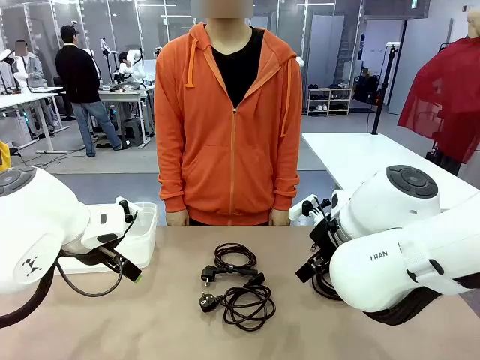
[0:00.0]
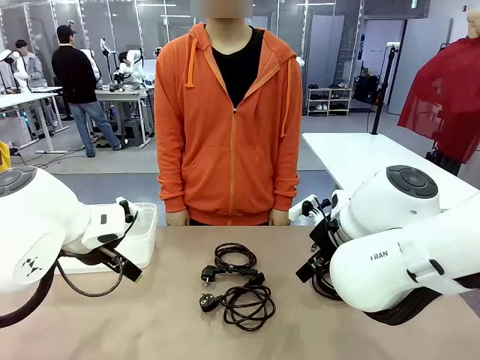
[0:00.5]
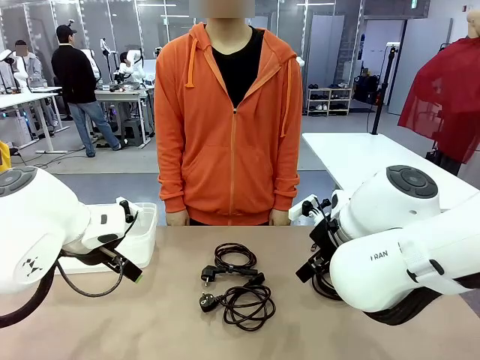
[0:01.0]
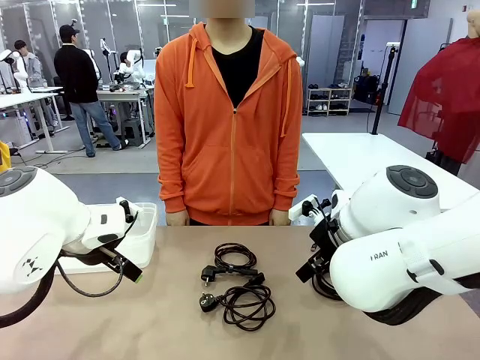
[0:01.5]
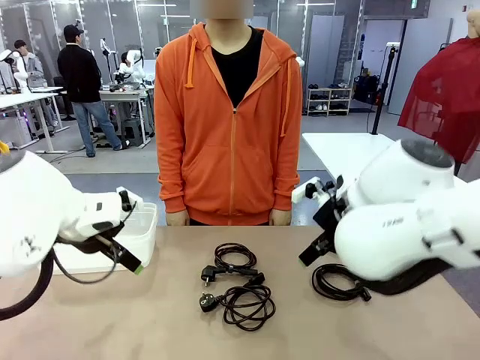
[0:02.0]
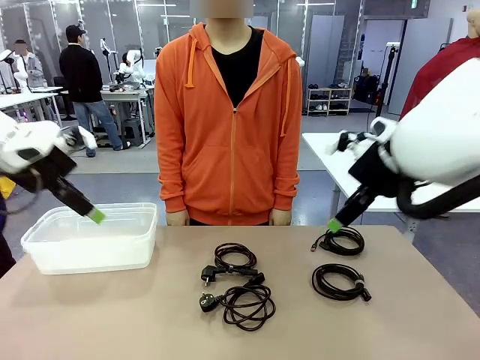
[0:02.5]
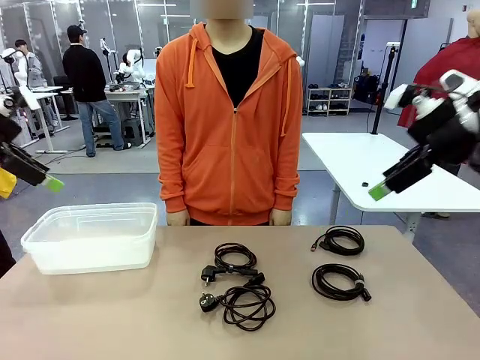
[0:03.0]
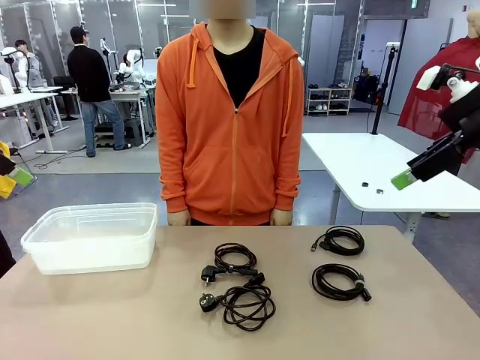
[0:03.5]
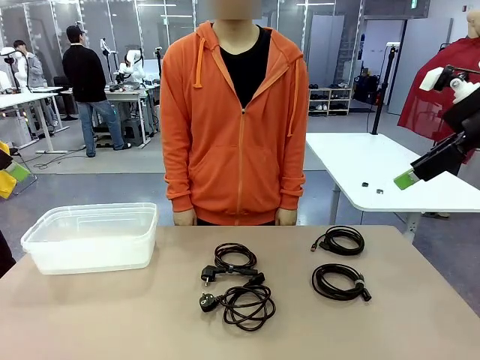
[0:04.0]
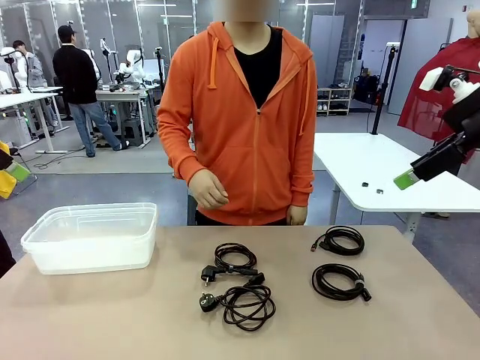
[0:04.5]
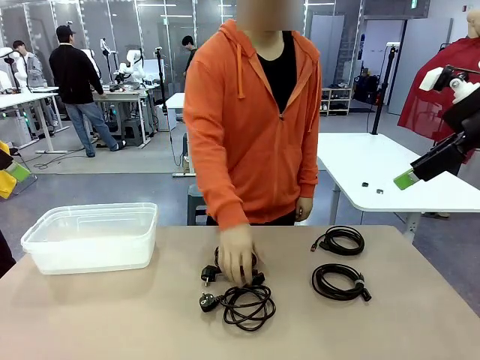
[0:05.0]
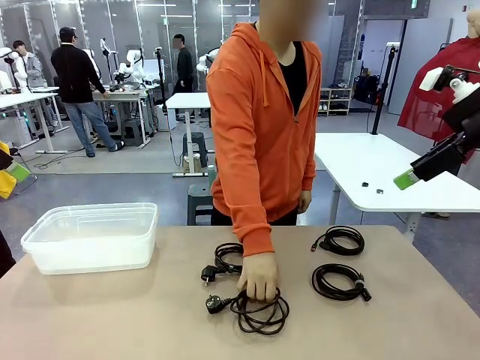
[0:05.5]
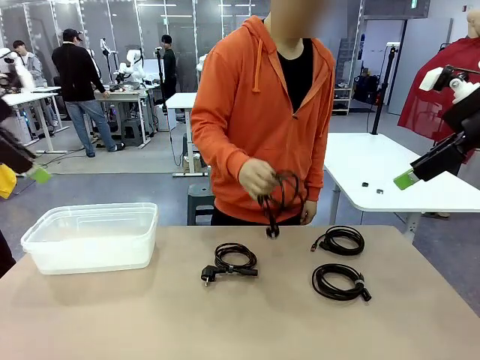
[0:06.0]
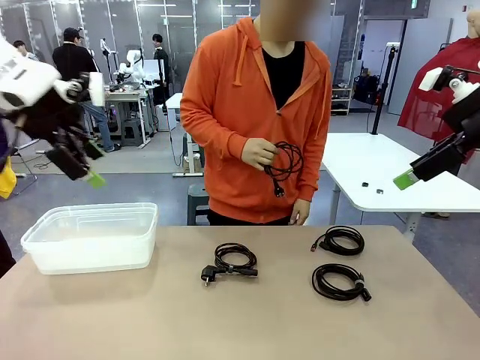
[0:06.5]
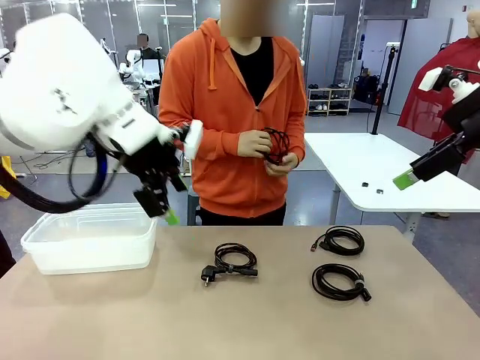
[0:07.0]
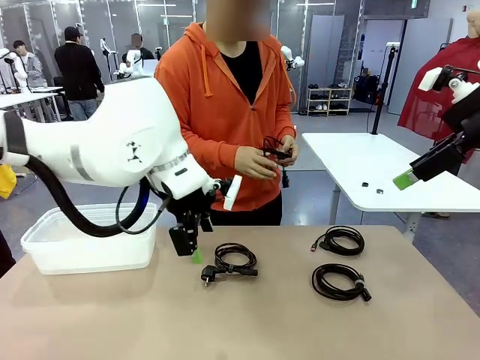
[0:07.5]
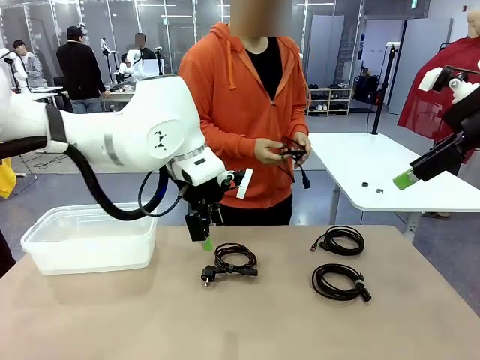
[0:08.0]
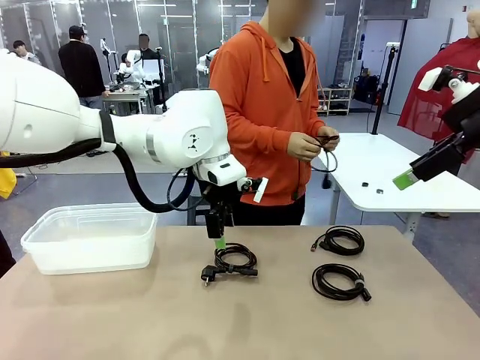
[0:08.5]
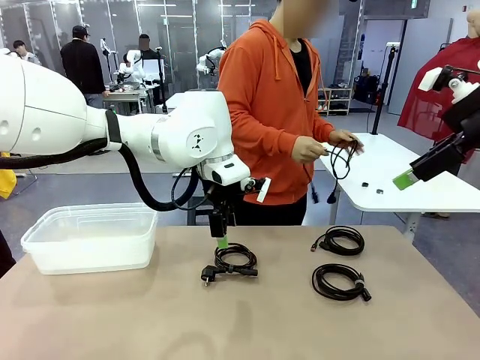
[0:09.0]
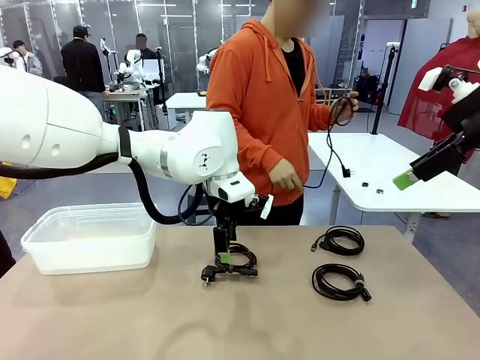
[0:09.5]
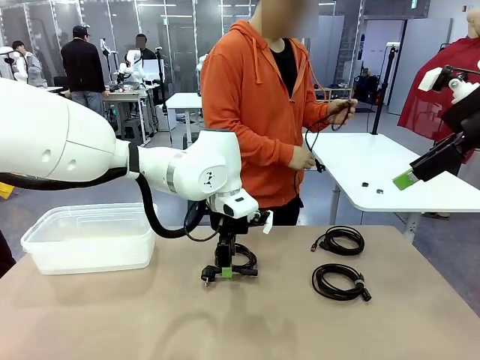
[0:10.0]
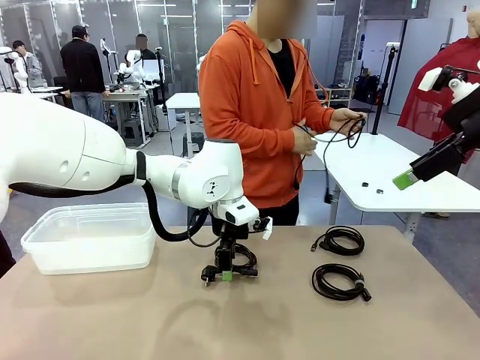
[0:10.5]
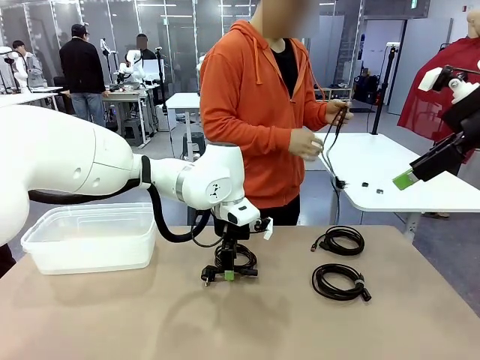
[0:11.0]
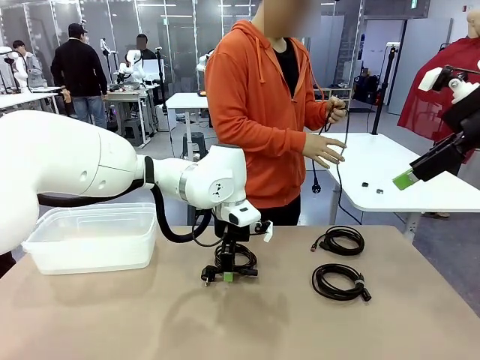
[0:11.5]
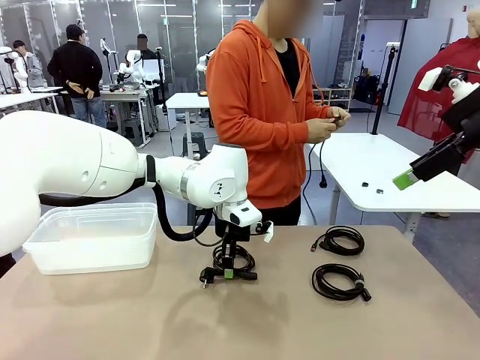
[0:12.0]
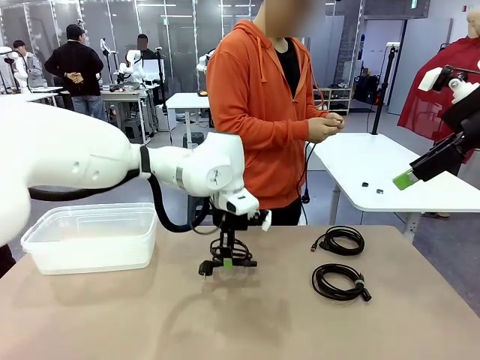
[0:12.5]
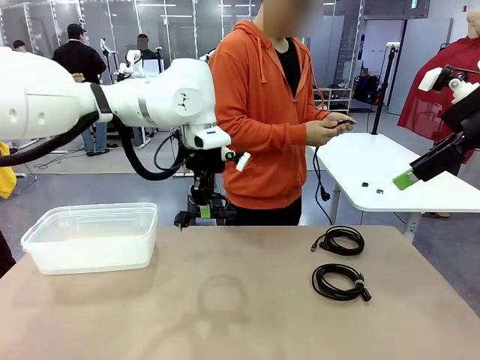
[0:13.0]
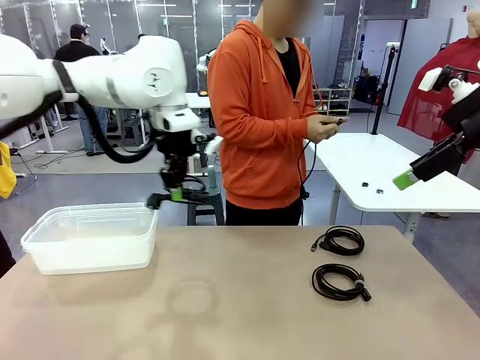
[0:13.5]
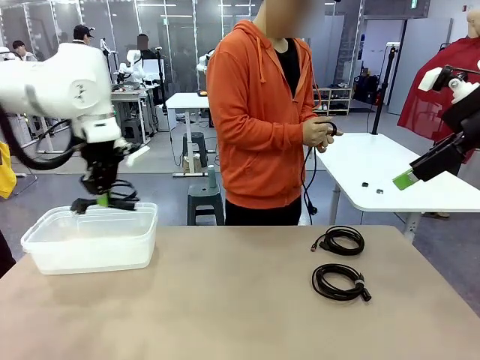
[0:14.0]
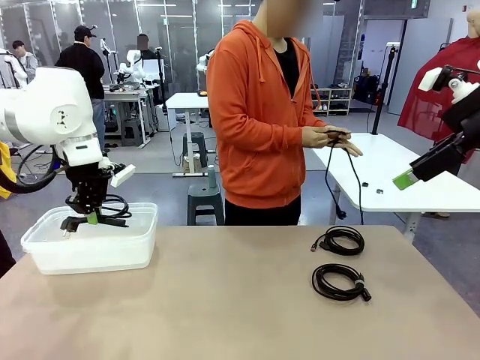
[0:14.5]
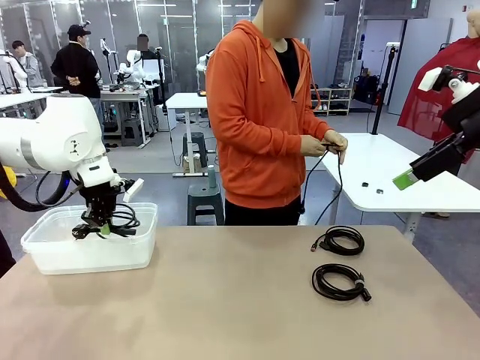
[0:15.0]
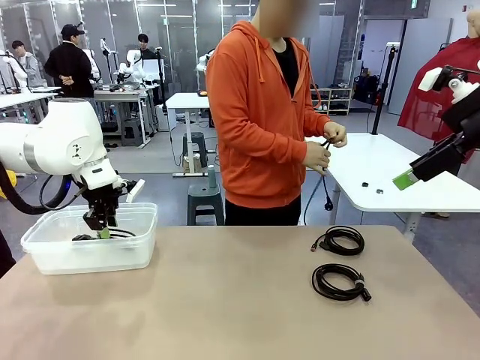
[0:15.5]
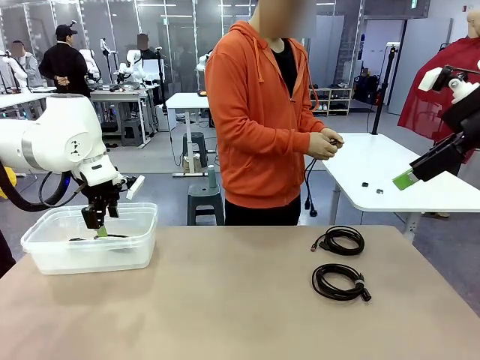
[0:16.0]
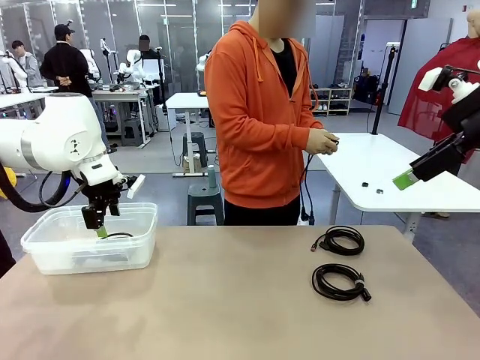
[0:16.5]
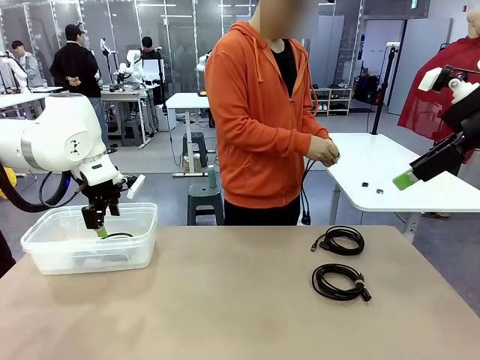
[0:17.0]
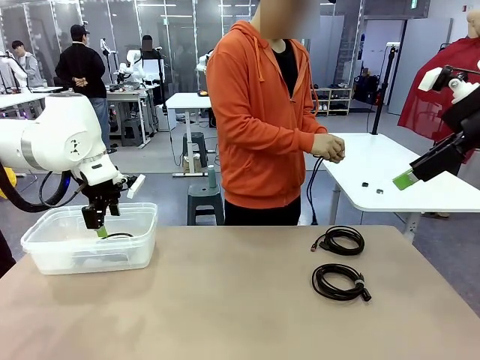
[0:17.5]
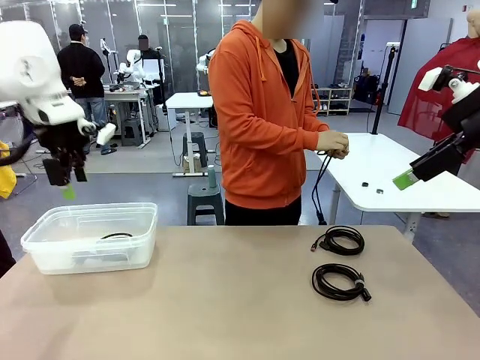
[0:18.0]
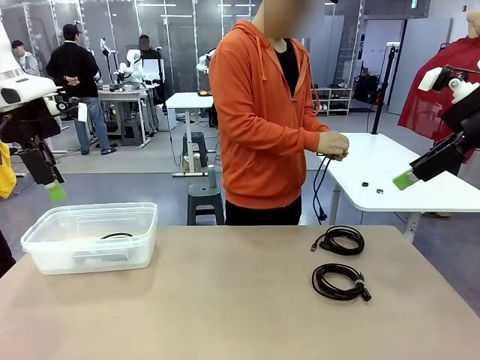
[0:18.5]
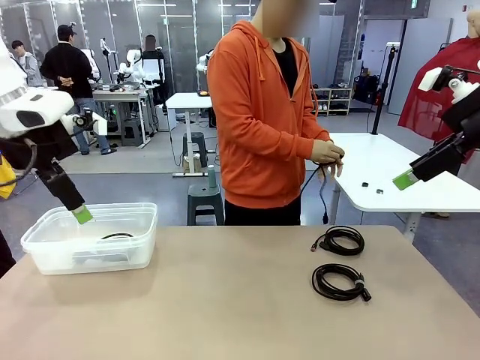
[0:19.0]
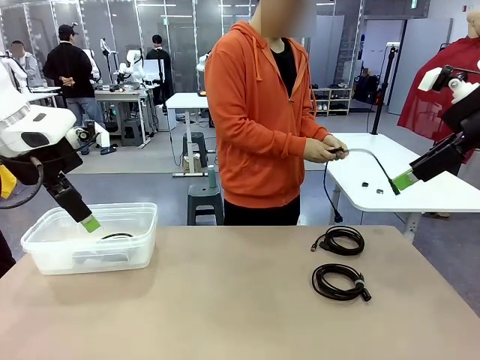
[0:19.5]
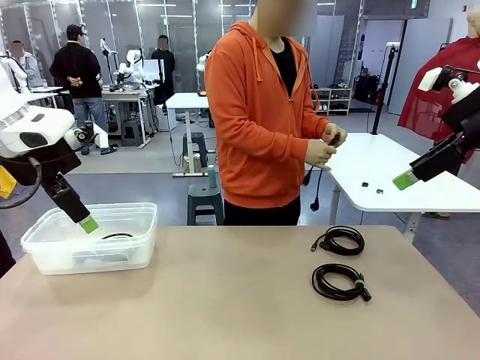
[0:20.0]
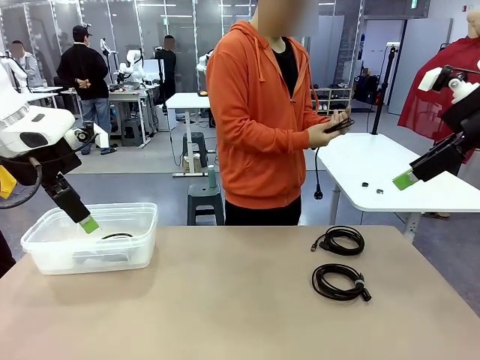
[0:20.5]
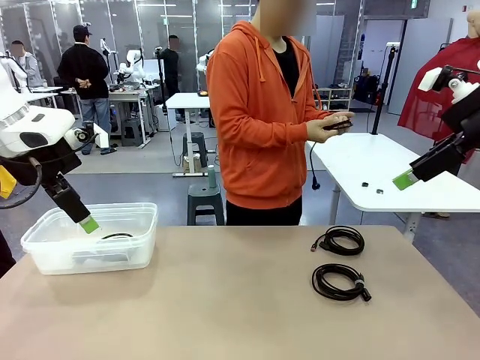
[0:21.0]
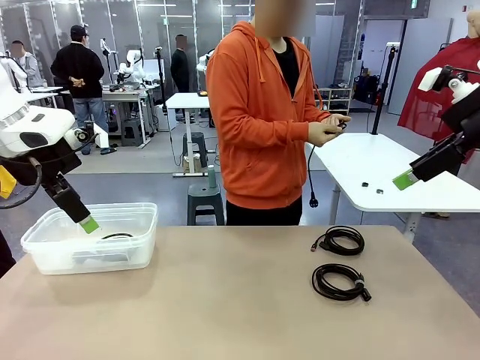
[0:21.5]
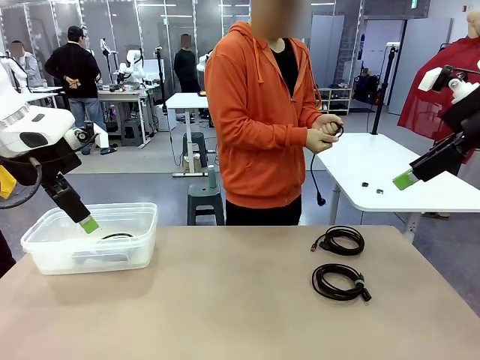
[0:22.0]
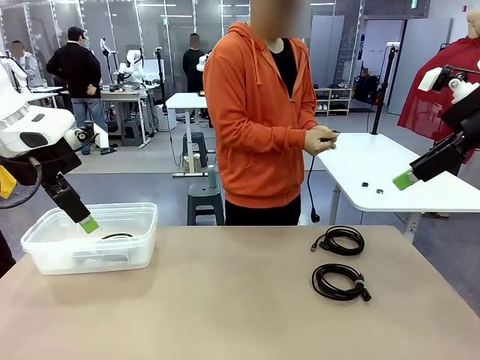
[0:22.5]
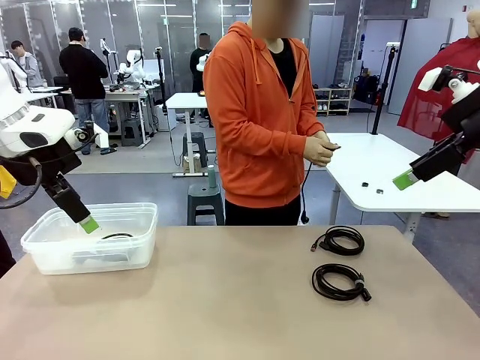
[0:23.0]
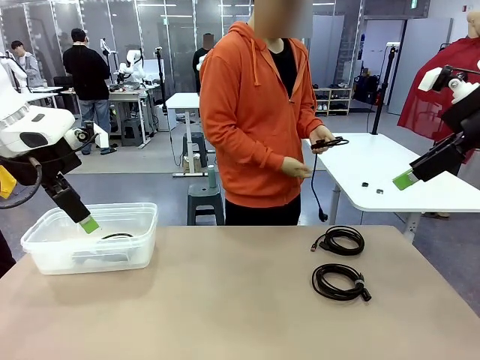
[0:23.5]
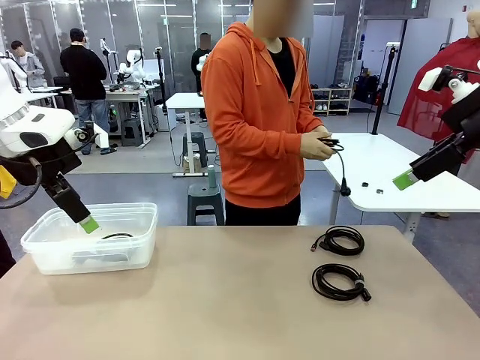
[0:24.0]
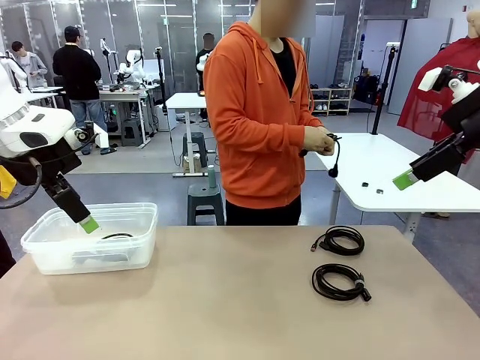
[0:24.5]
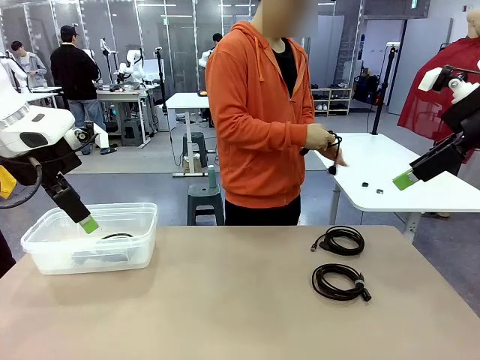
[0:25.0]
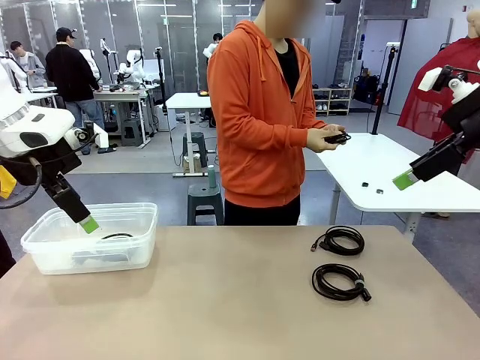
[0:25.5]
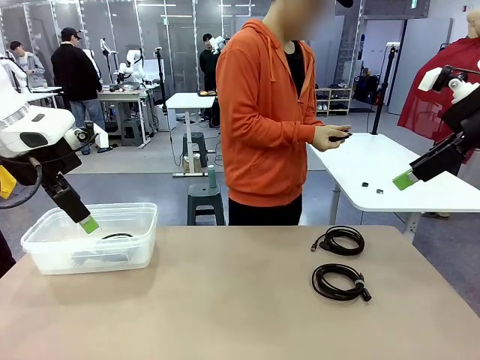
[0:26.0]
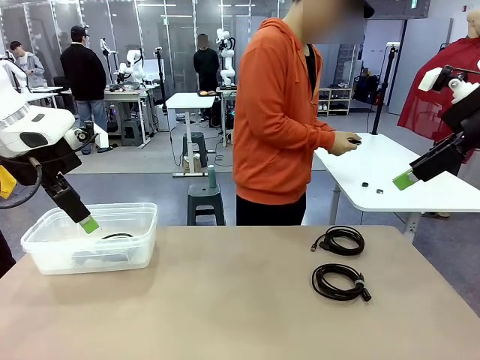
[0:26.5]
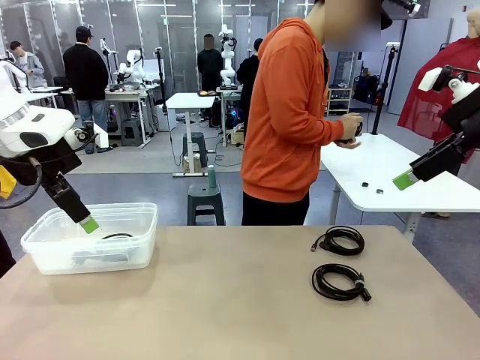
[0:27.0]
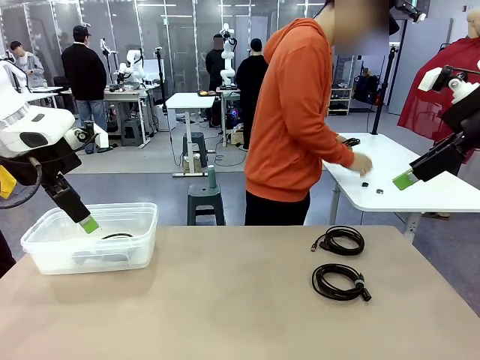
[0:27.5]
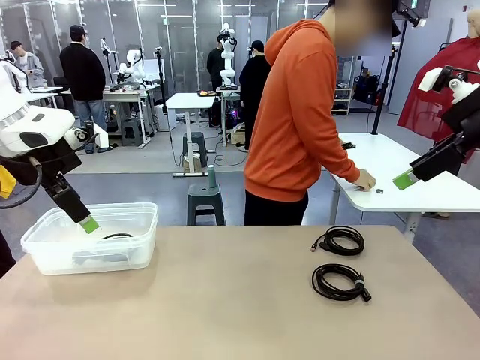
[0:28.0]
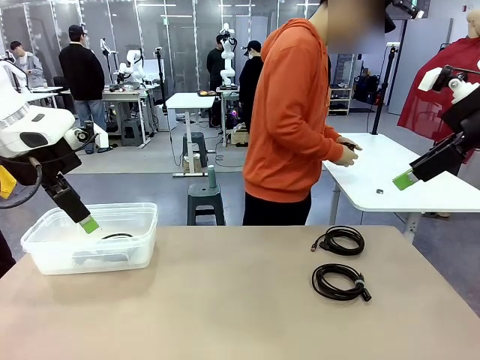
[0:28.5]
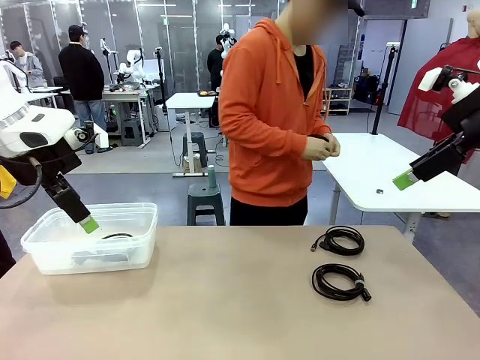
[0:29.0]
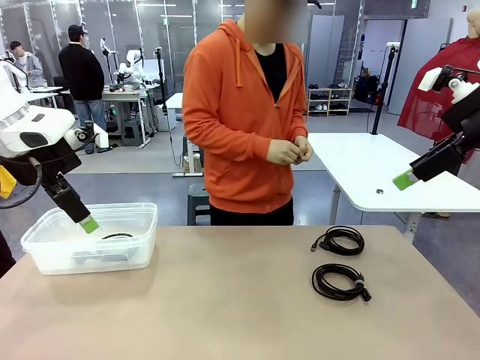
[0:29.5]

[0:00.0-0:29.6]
Task: Organize and store the cables.
Robot: Place the Power Cable into the Organizing box.
Person: Tie one Power Cable with a Reusable Cable Tie.
